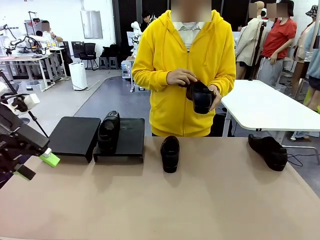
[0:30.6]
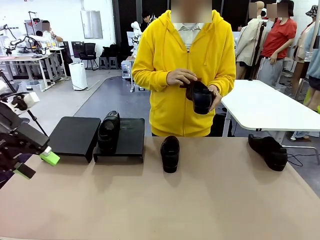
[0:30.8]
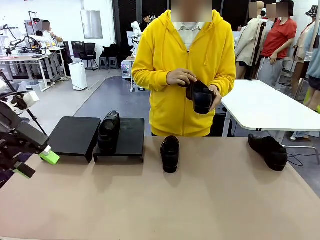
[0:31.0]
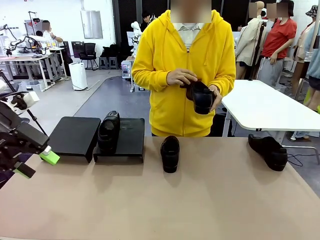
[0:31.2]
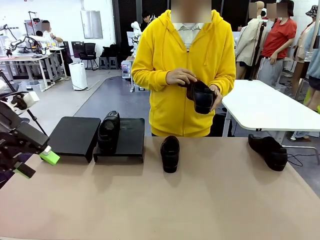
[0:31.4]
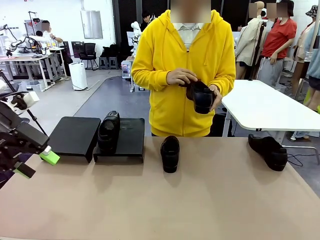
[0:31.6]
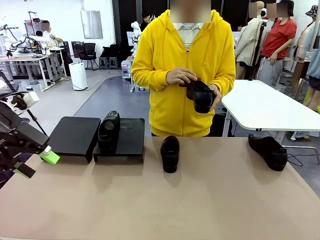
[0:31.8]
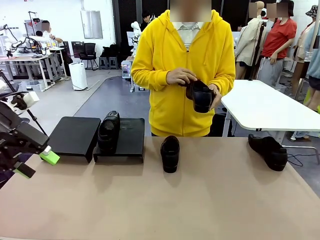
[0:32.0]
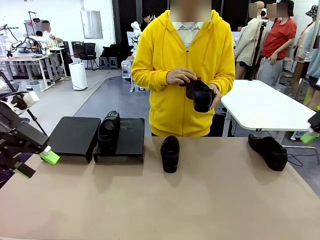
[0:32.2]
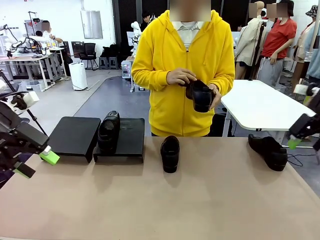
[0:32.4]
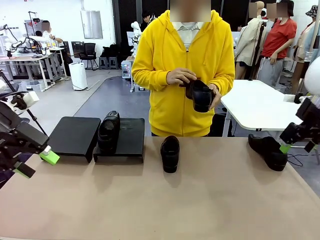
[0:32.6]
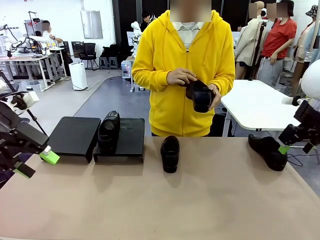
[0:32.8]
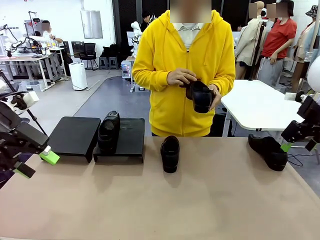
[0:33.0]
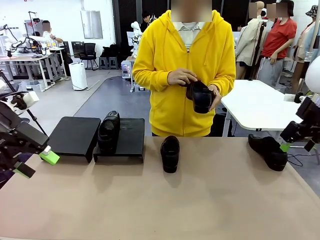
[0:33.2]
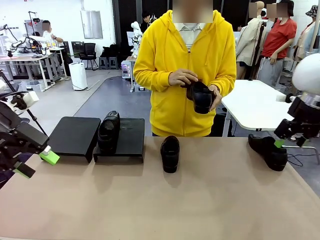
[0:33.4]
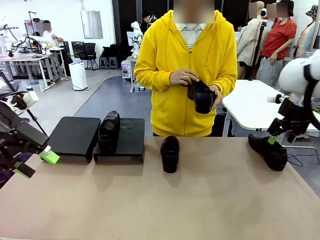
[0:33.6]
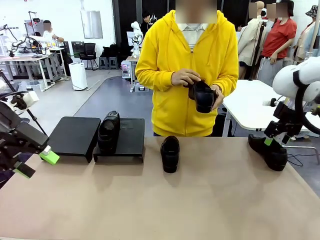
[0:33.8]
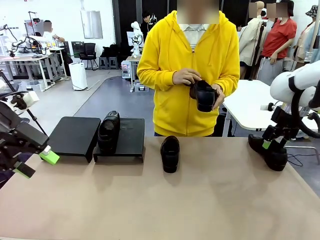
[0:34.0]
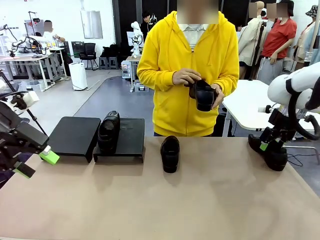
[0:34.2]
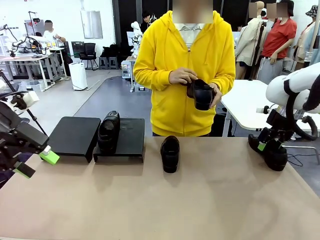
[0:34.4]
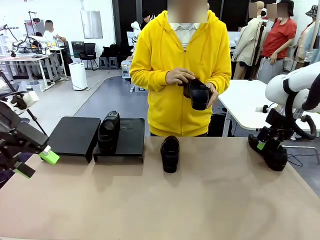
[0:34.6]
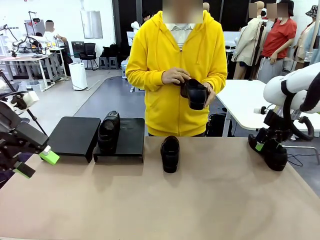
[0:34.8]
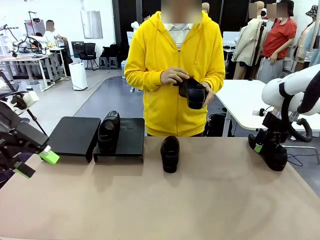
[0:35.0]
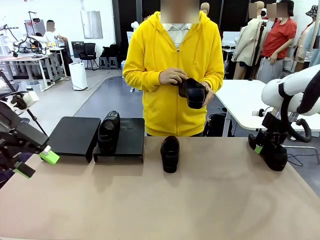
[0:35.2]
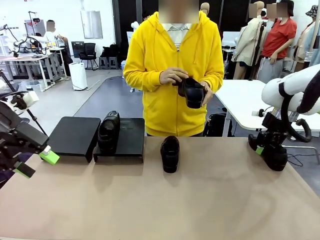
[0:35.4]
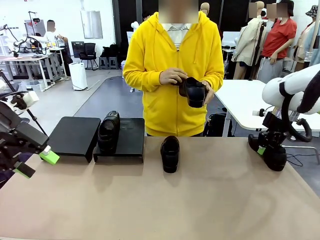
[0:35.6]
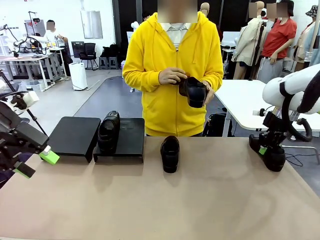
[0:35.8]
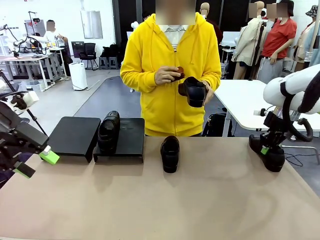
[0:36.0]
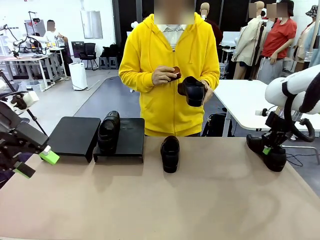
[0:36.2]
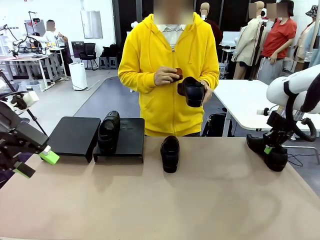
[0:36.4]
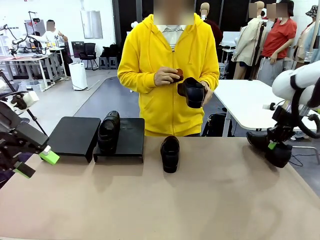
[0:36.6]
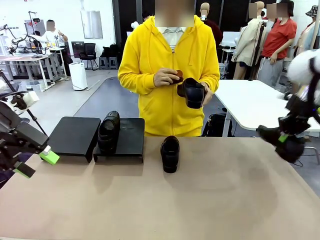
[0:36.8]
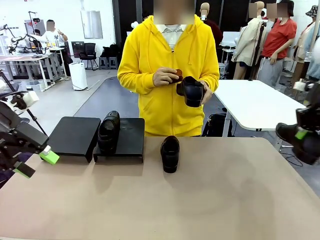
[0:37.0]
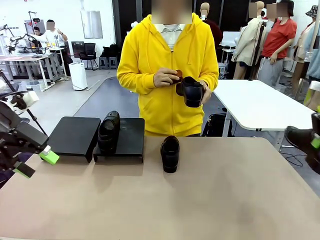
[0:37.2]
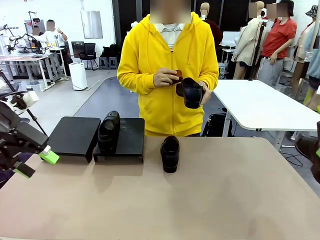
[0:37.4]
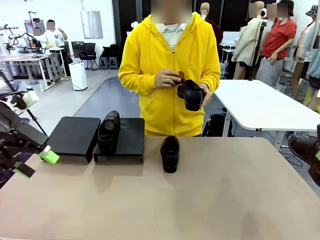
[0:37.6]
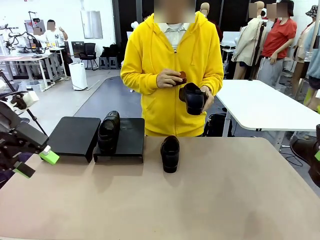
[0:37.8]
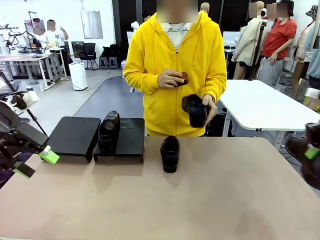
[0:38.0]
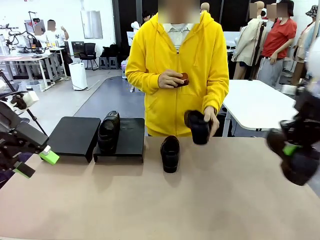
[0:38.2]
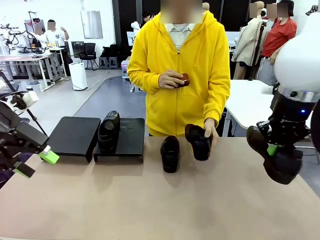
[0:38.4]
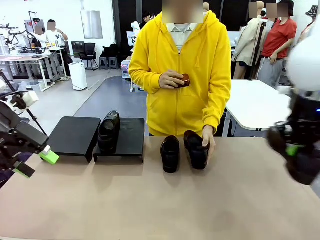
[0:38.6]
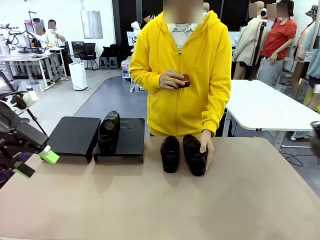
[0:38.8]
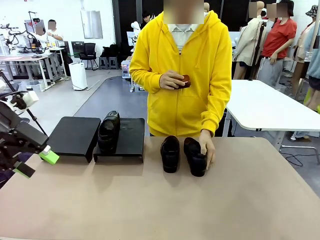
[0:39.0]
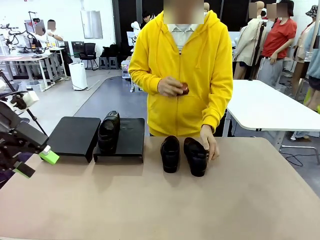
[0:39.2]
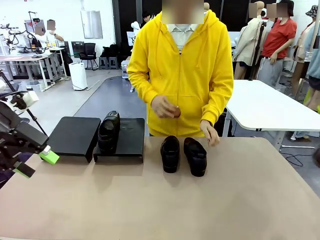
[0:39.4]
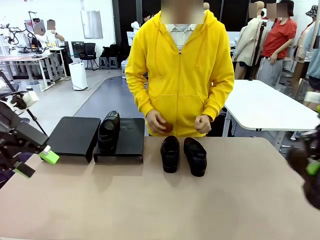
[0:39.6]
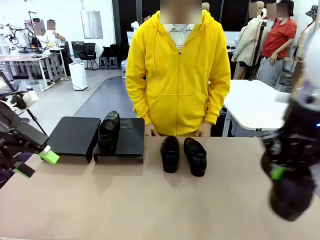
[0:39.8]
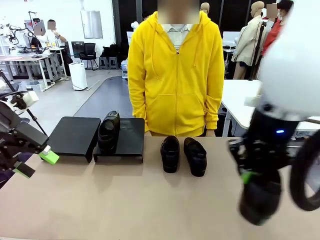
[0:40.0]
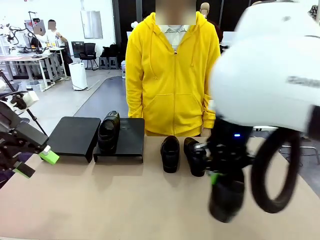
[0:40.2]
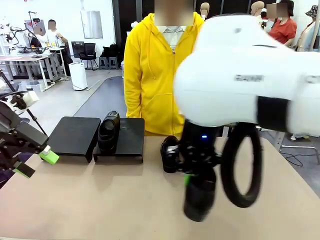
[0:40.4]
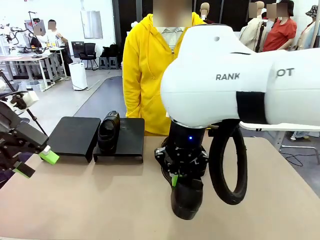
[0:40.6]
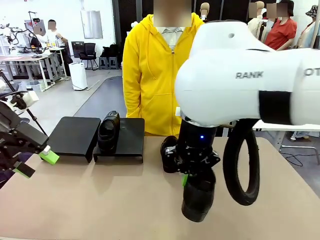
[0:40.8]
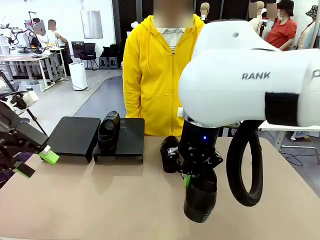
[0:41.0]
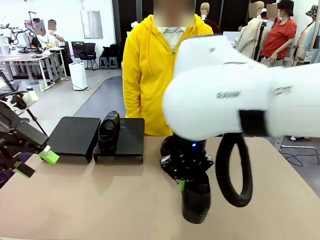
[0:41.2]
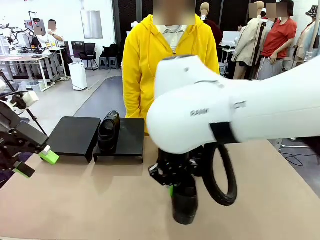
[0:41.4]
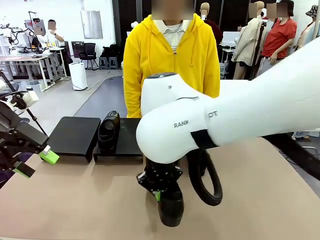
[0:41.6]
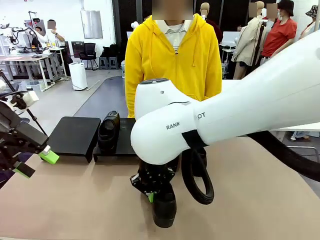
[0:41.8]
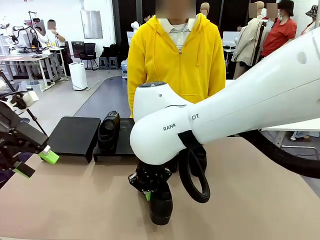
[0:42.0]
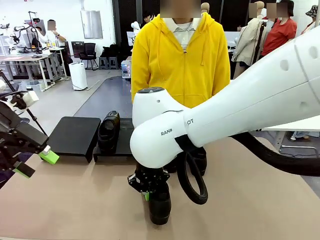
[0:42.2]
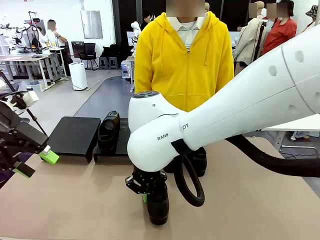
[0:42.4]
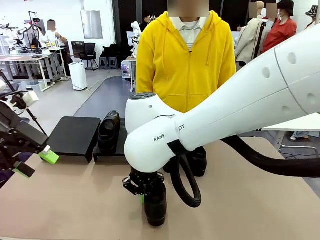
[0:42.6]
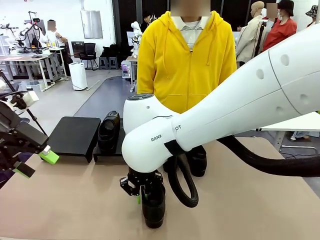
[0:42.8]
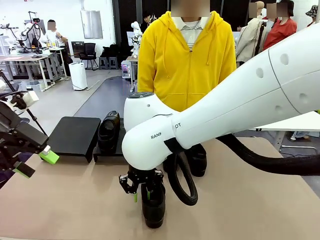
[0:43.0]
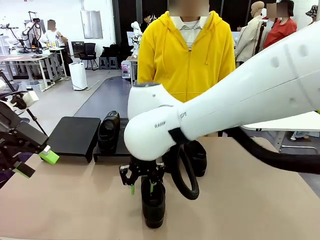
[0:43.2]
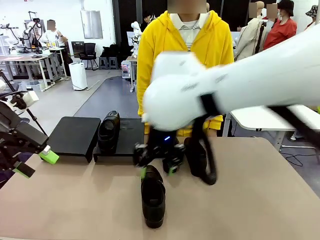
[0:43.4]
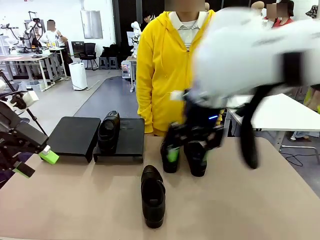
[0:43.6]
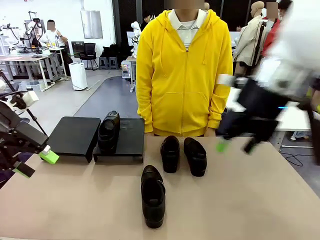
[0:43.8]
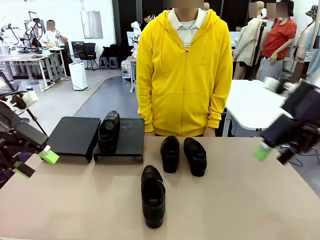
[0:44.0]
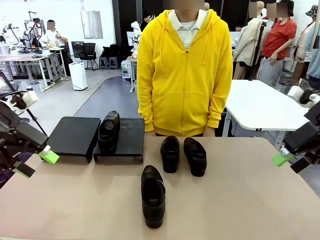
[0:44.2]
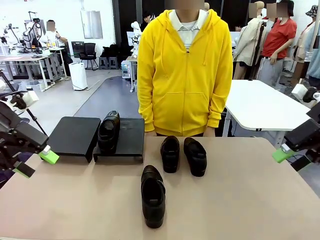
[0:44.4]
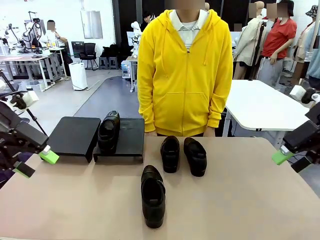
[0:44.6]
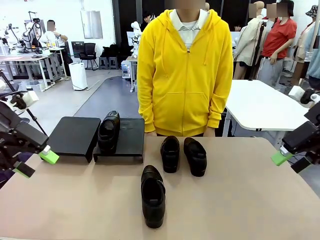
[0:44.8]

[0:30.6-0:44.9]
Task: Organize the shoes by placing them on the stand.
Robot: Pick up one Shoe and place it in the middle of the table.

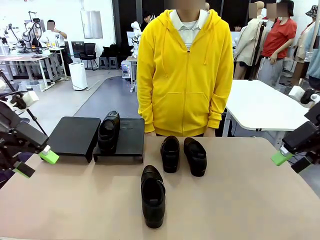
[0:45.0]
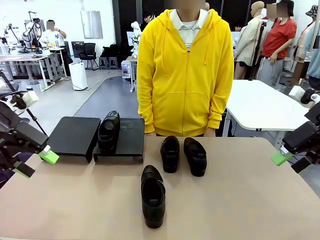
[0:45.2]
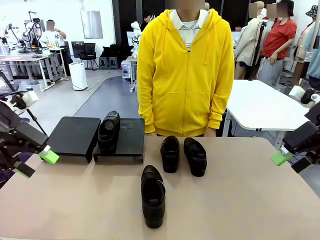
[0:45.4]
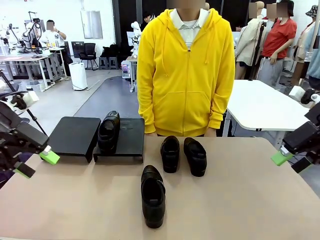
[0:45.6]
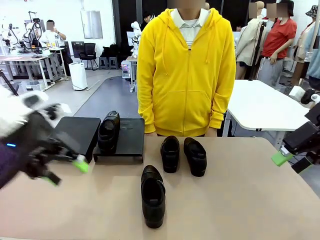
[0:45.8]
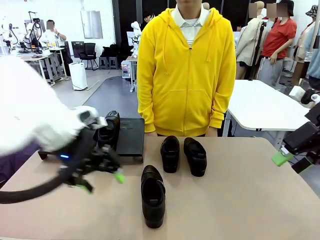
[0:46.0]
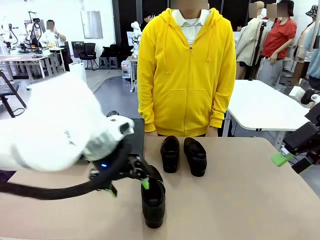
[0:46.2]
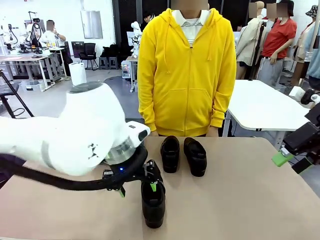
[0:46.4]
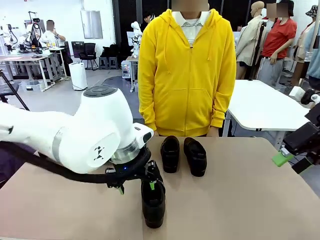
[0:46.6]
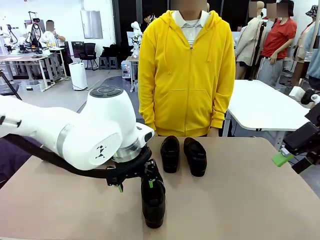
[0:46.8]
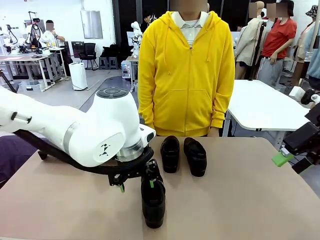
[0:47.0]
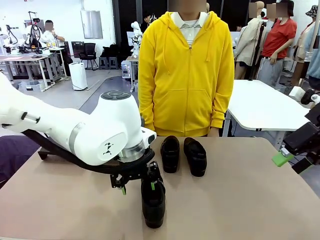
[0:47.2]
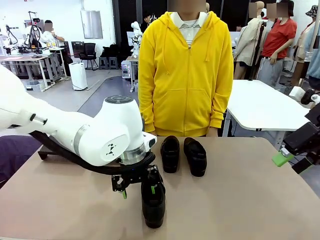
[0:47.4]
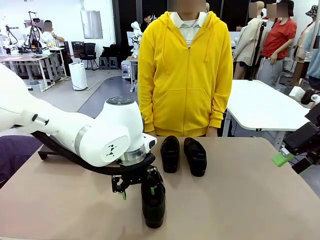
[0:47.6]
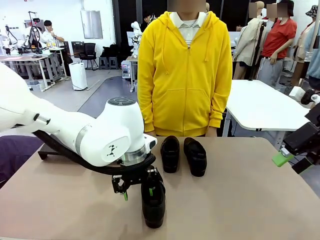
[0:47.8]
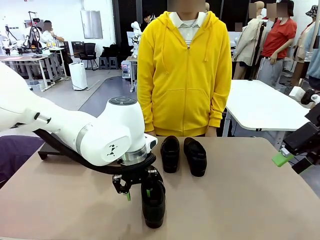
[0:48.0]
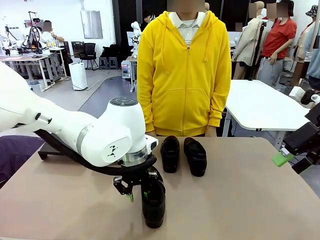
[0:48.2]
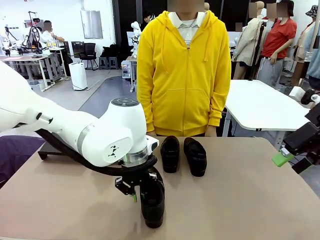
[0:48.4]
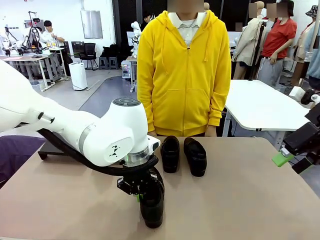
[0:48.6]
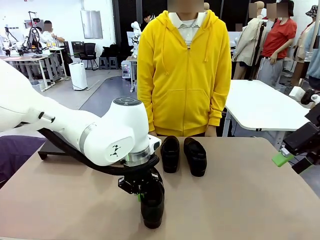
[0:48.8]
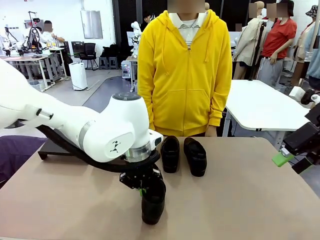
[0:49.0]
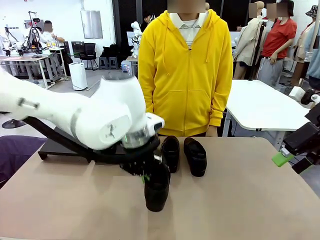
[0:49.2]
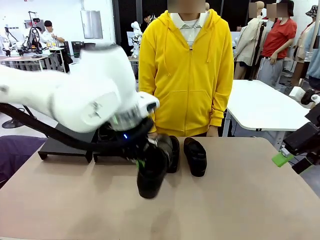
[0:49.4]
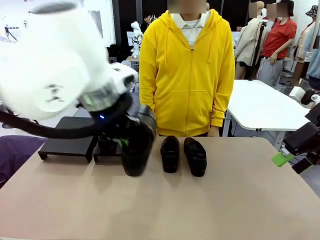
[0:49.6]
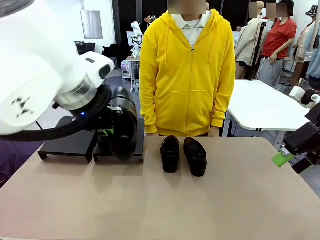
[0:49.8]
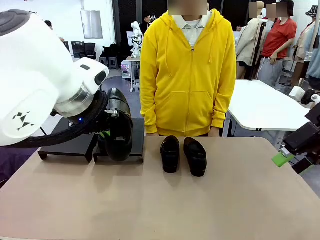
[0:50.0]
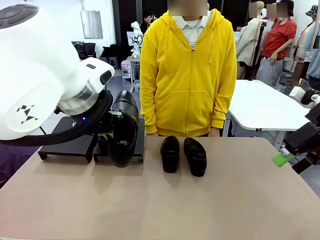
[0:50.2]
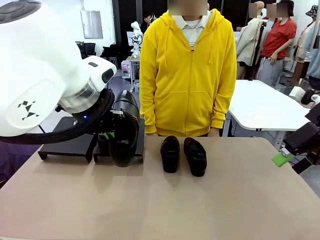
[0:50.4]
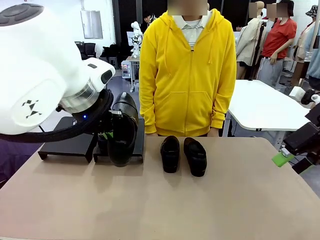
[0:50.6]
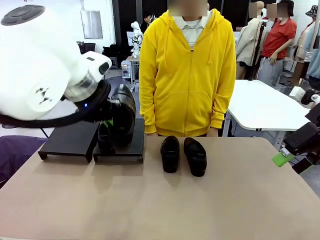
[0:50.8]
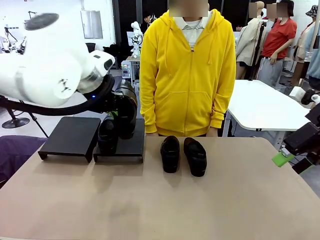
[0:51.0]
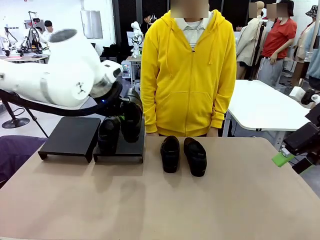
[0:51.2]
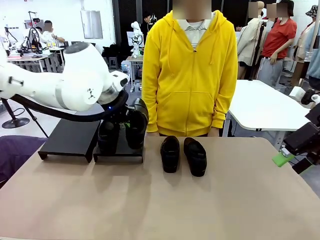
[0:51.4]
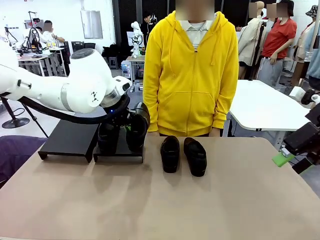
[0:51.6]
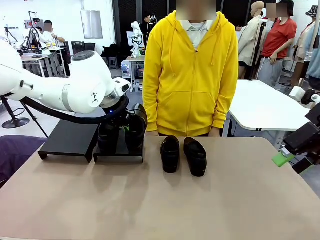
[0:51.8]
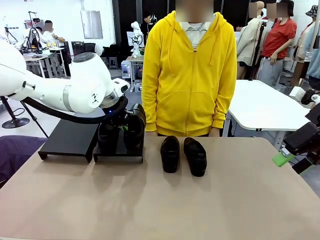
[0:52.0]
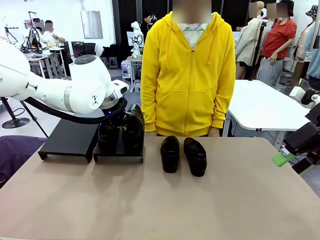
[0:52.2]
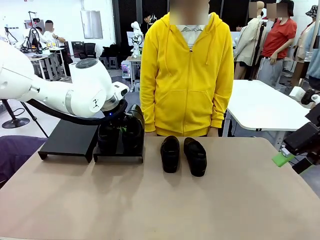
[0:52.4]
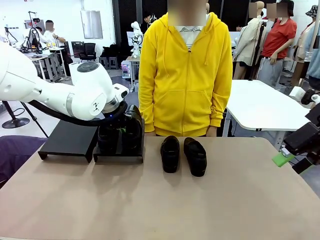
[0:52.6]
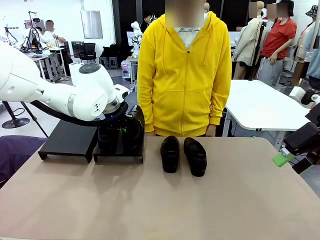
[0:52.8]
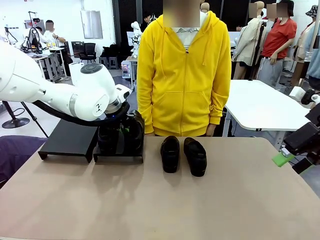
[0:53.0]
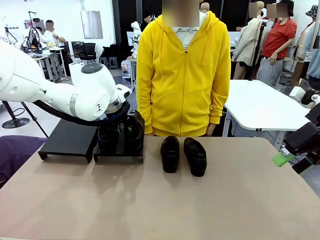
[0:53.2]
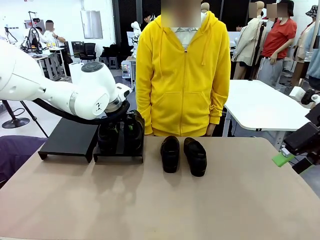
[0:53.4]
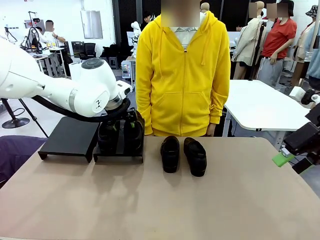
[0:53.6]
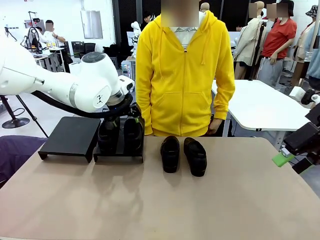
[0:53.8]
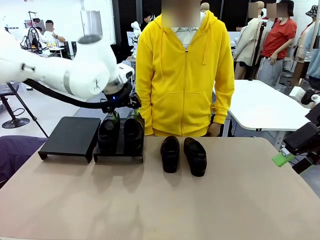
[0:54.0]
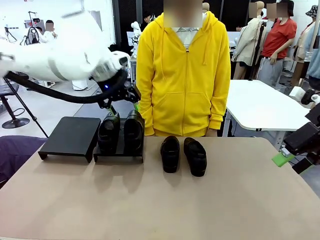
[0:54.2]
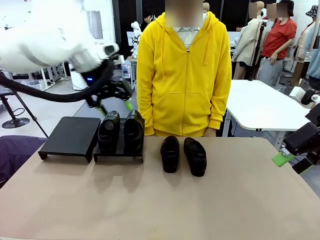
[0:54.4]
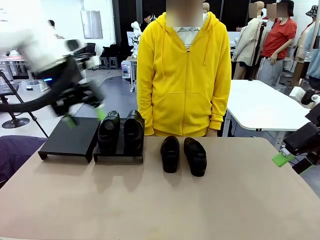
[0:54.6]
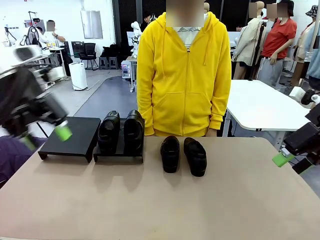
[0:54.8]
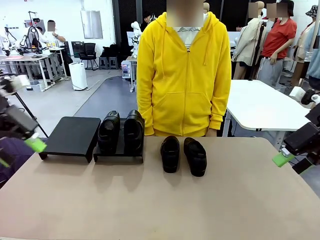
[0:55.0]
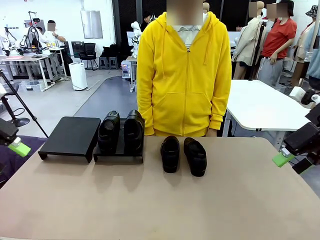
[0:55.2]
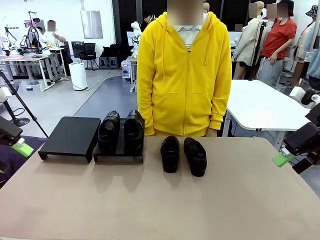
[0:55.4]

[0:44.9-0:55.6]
Robot: Place the Shoe from the middle of the table onto the Shoes Stand.
